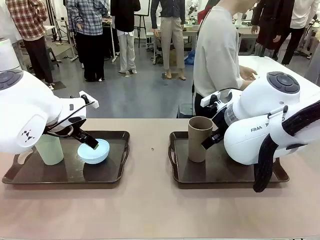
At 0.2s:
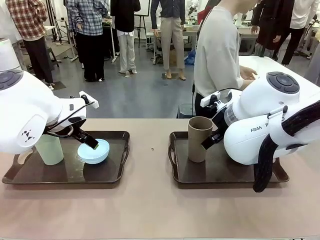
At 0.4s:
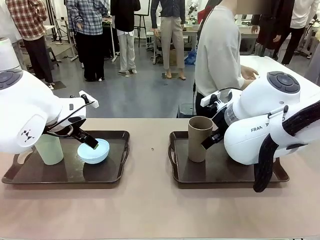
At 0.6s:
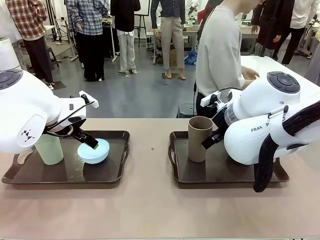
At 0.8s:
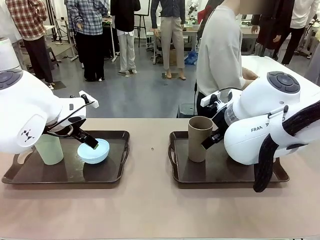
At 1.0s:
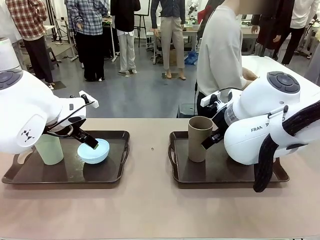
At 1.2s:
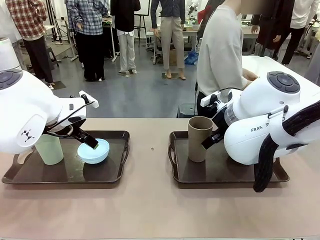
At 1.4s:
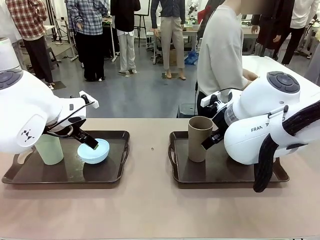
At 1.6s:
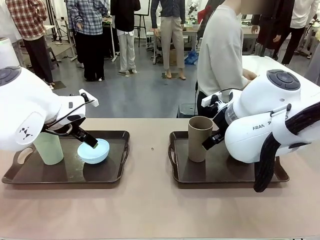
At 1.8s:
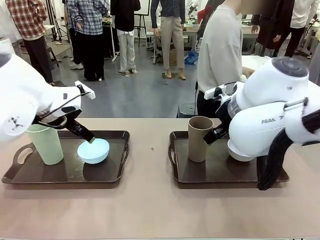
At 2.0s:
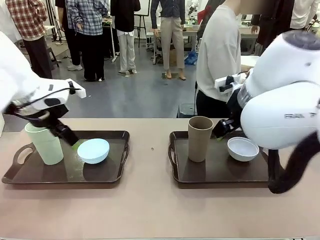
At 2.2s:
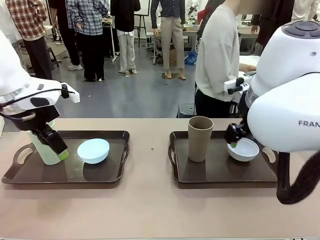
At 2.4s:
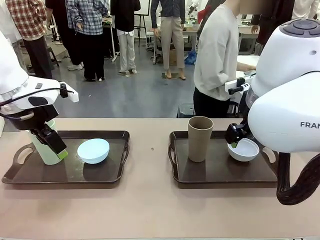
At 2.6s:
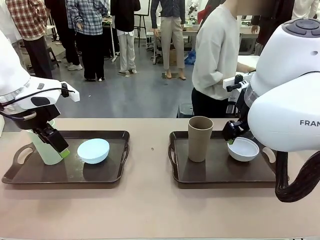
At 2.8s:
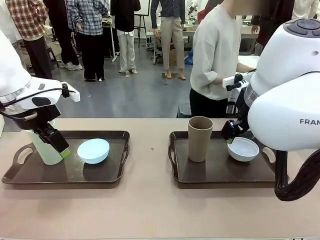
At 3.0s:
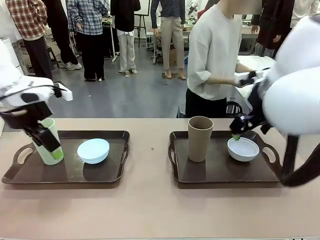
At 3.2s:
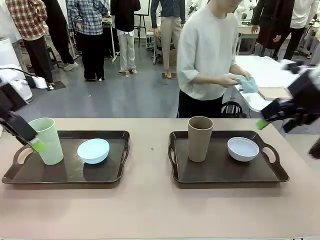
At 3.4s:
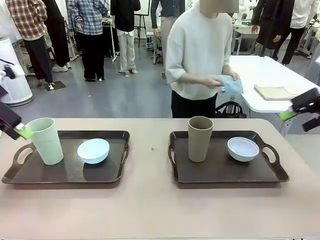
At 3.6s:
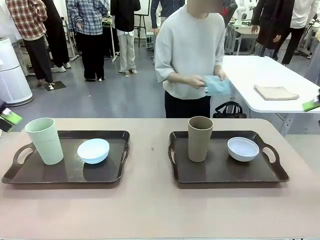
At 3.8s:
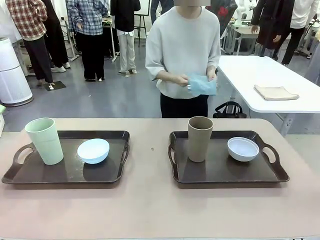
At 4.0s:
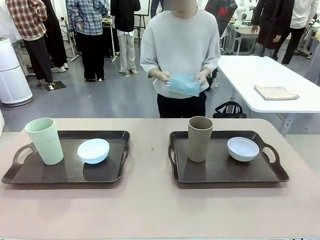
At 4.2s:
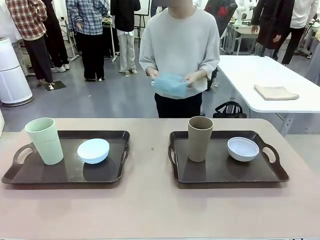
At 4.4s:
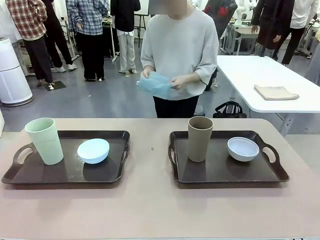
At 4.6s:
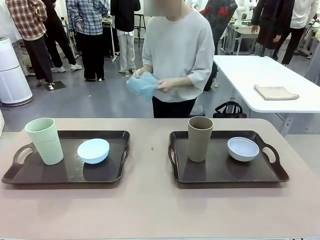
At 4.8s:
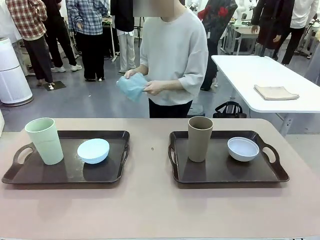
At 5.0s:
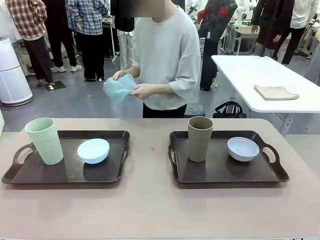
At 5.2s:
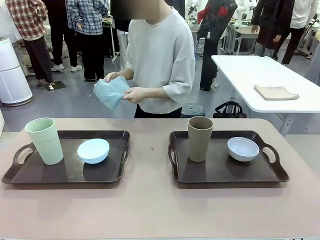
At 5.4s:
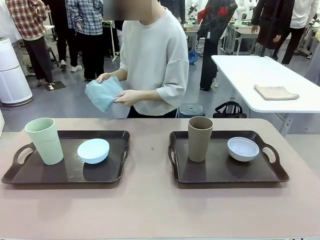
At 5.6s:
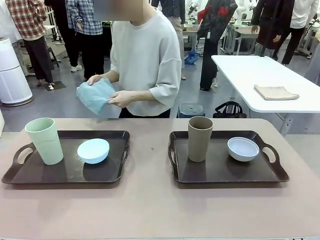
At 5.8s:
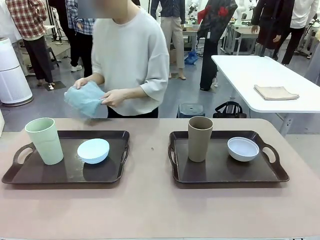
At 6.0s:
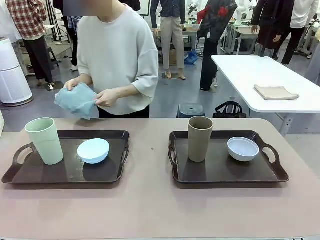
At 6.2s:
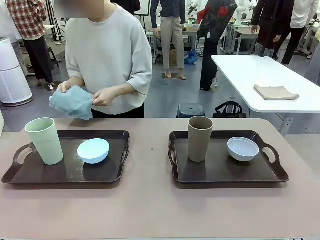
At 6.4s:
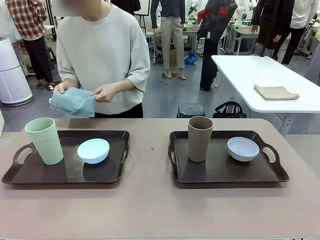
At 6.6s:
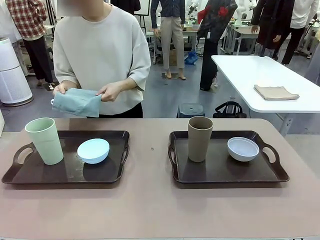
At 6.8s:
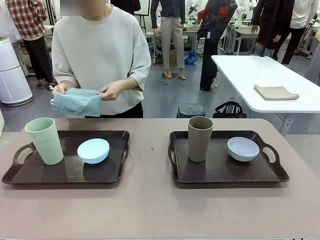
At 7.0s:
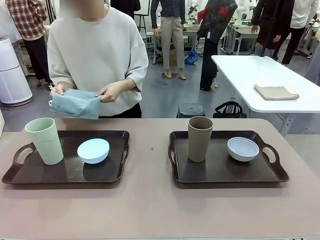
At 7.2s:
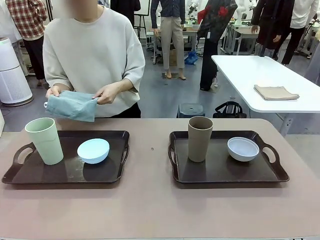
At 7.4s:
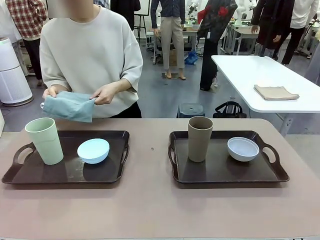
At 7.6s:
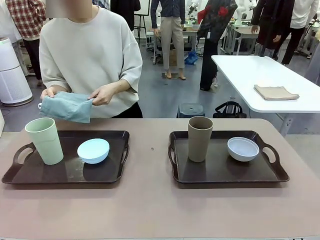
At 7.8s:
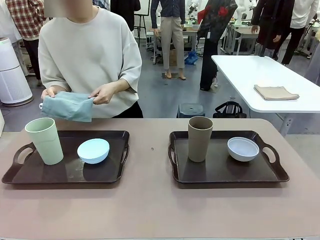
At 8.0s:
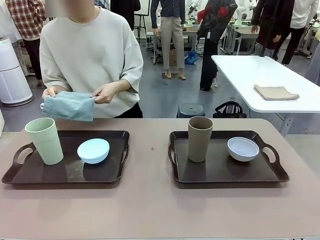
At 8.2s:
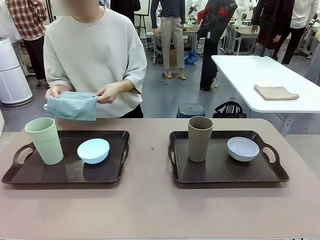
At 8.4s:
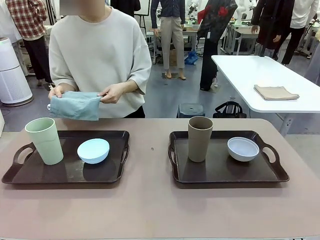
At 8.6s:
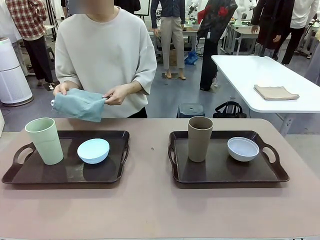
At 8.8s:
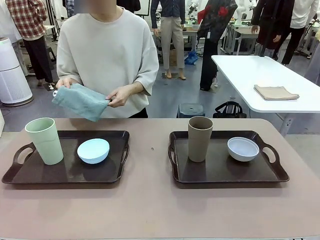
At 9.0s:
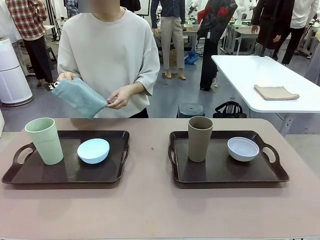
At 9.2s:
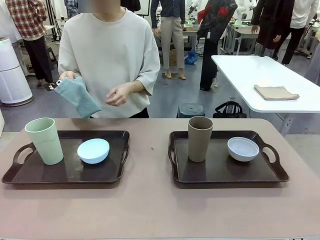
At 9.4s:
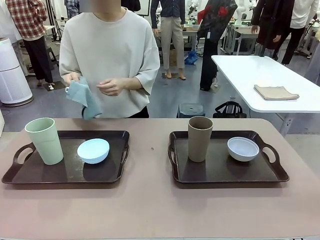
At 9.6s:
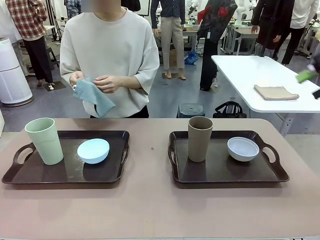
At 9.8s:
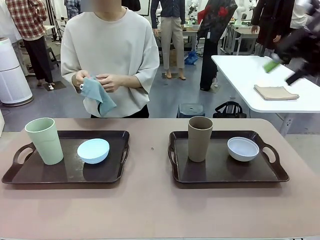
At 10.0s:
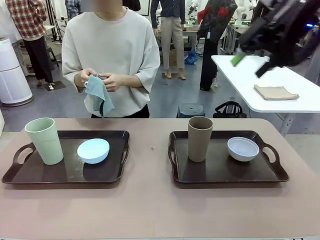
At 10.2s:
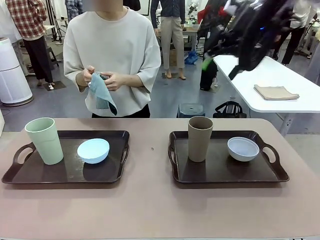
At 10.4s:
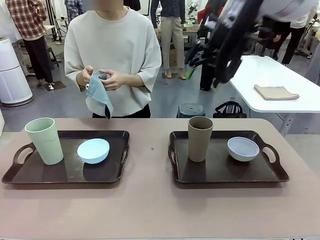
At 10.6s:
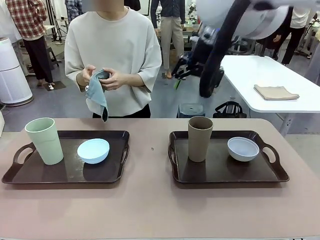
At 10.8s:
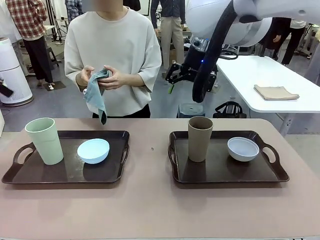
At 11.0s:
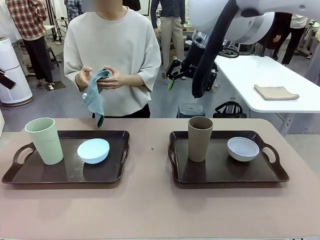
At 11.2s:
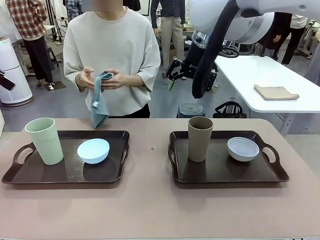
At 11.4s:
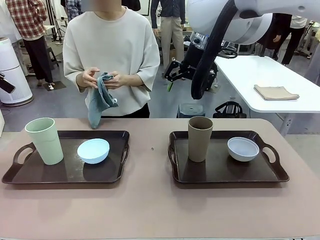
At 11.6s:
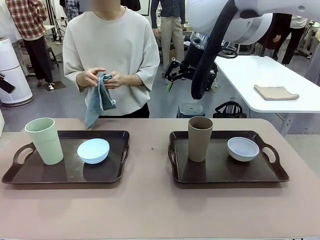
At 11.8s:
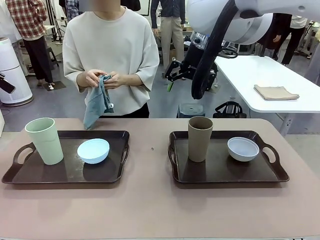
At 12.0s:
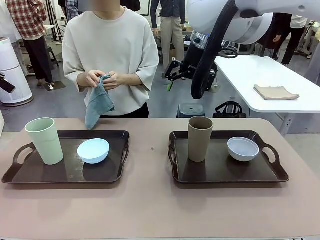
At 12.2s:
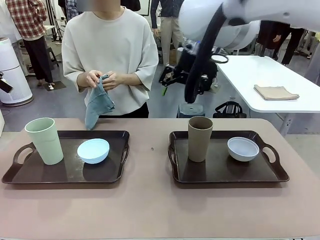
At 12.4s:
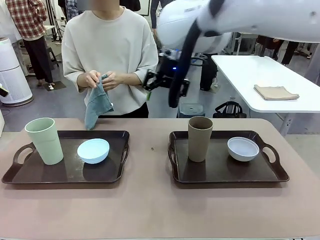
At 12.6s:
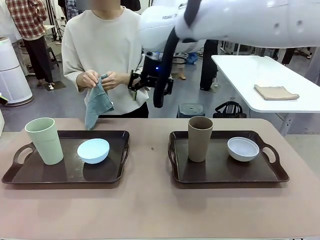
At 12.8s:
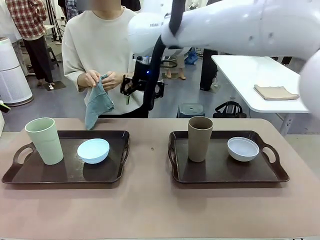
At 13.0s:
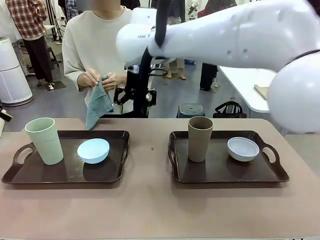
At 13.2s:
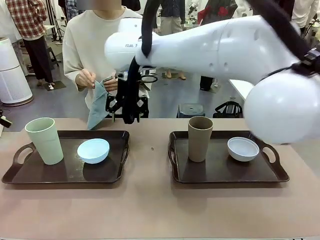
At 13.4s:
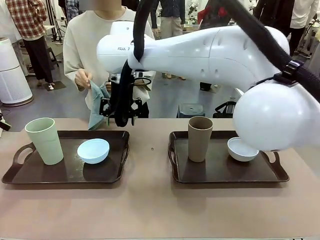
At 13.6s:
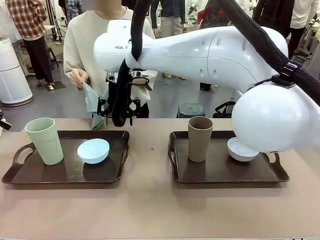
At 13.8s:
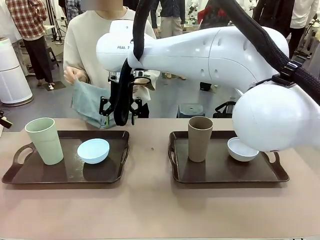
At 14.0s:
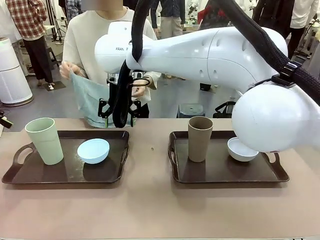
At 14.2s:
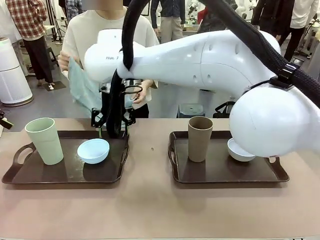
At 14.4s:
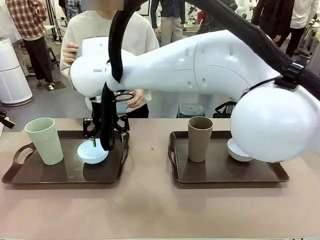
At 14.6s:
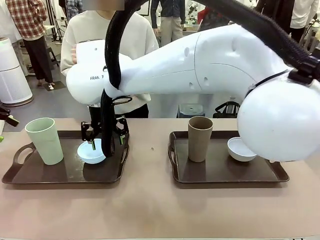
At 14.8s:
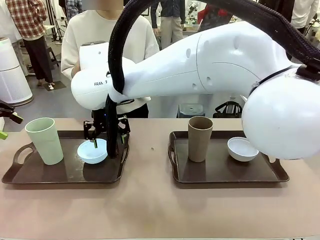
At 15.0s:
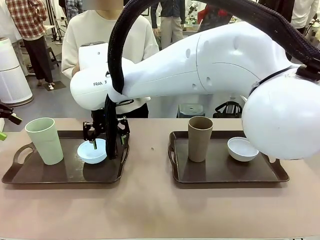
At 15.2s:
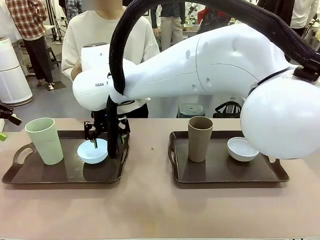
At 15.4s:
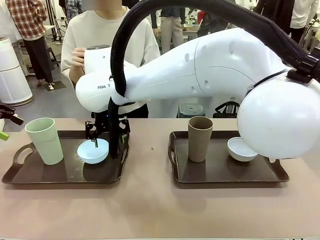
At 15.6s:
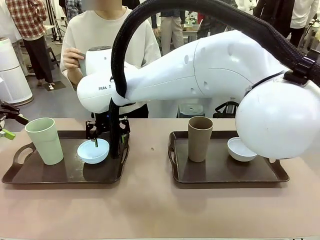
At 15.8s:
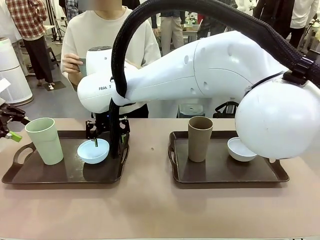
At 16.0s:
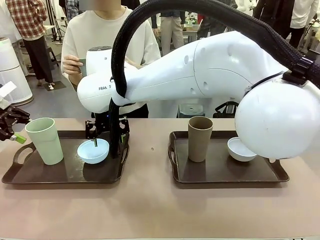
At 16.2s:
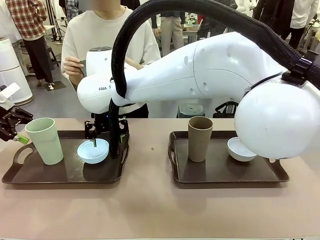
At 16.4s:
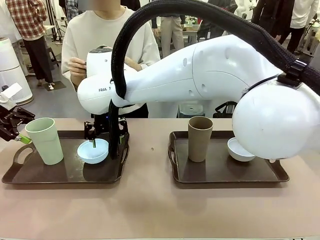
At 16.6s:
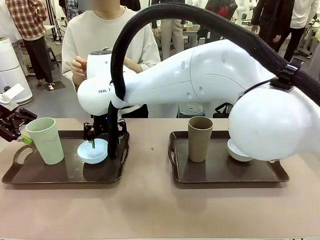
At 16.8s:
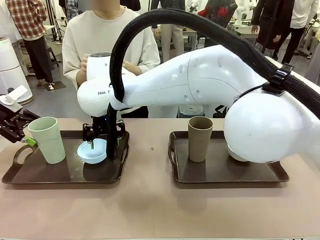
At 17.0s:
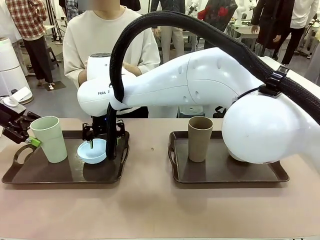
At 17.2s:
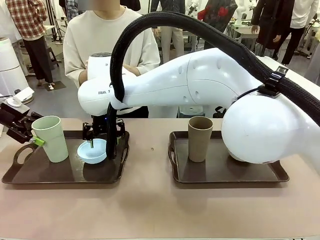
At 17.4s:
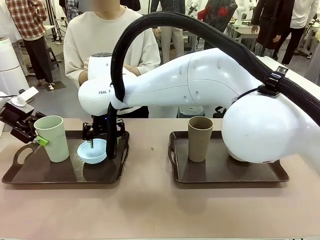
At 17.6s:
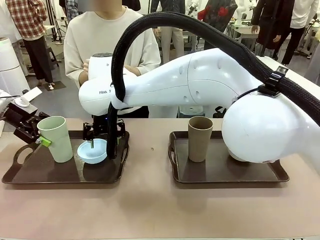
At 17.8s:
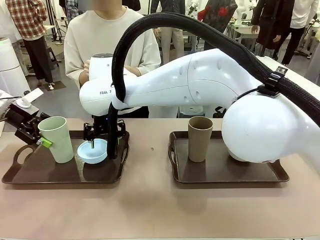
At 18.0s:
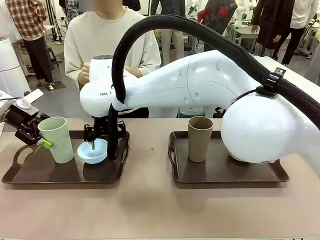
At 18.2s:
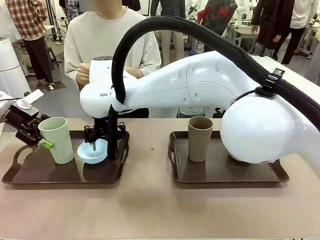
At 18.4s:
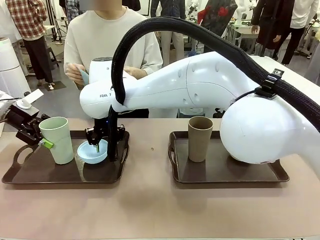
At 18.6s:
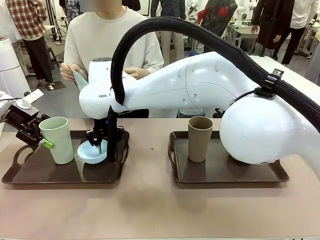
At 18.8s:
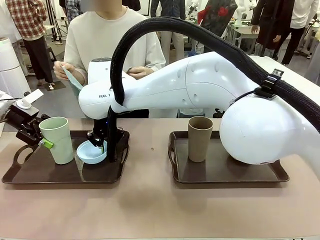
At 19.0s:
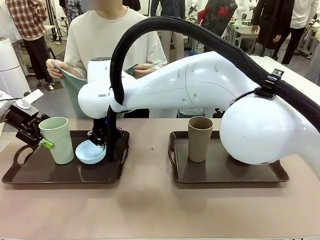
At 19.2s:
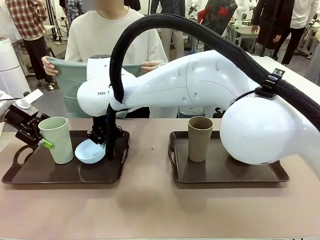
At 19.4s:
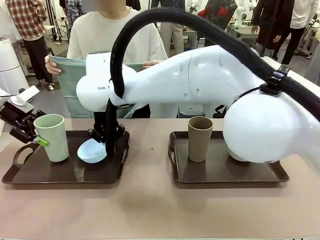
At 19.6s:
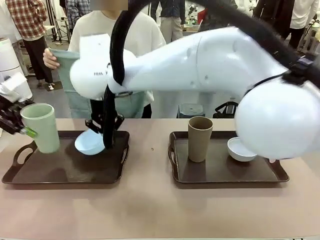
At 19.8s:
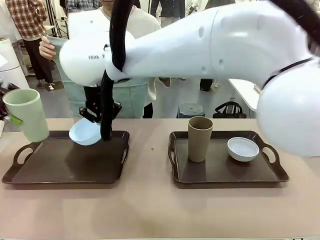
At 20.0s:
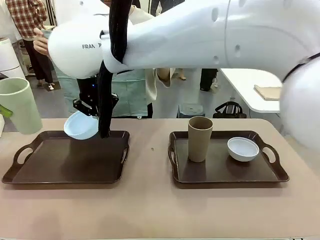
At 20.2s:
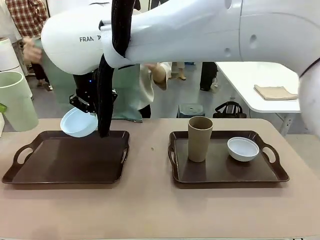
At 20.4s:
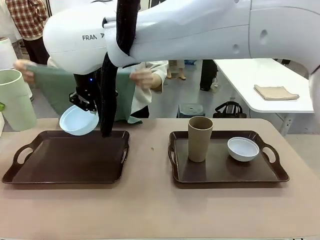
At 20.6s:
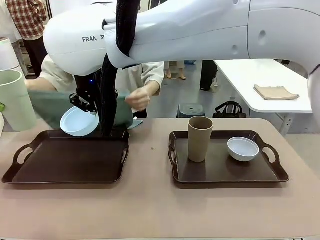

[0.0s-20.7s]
Robot: Pick up the Picnic Bowl and Reusable plastic cup from the Handle tray in front of the human's position and hold them in the air.
Person: The human picks up the top napkin from the stack on the human table and walks to the robot table to stand in front of one of the two trays. When the robot lifts the bowl and the cup, the human unfolds the napkin and lays the napkin flat on the tray.
